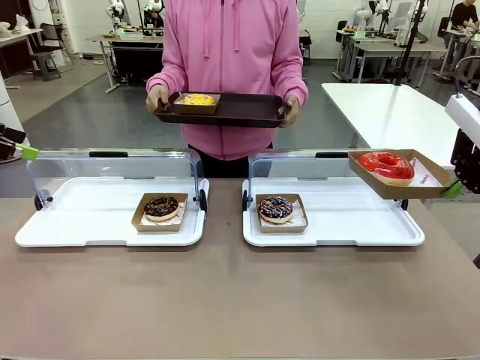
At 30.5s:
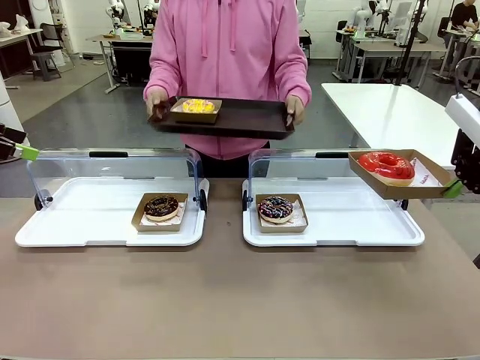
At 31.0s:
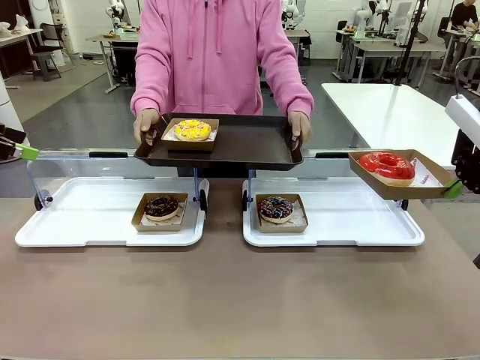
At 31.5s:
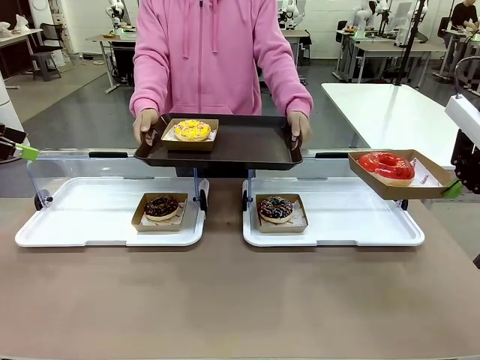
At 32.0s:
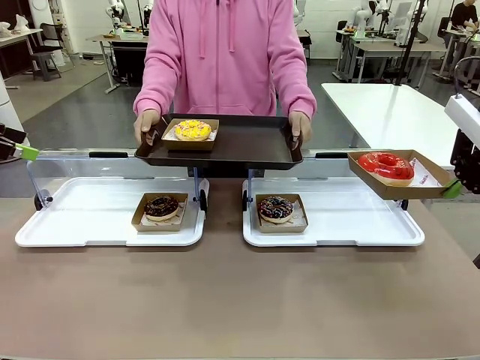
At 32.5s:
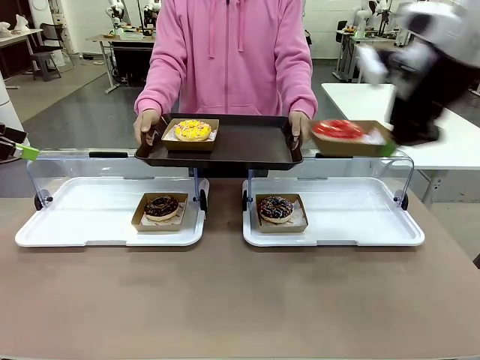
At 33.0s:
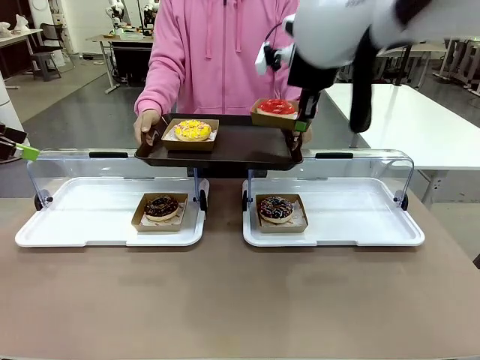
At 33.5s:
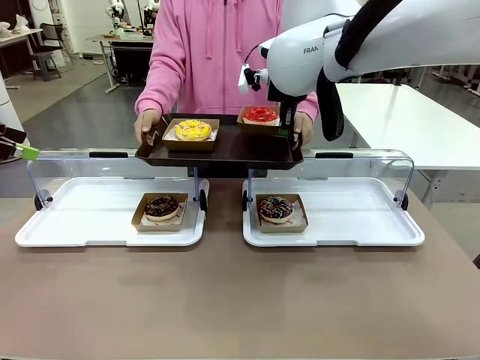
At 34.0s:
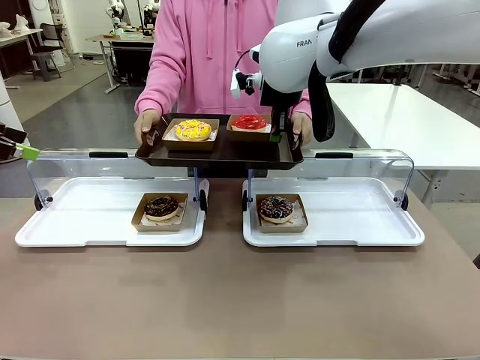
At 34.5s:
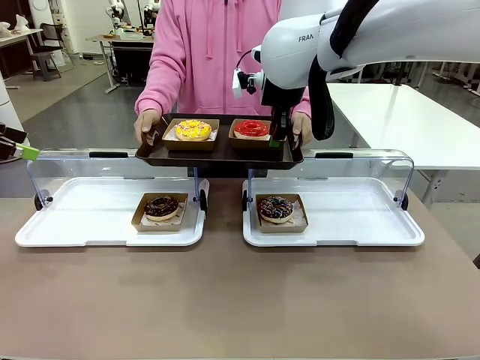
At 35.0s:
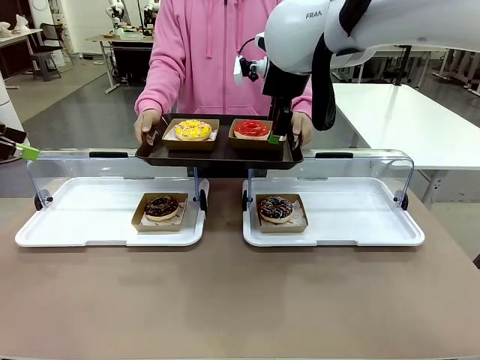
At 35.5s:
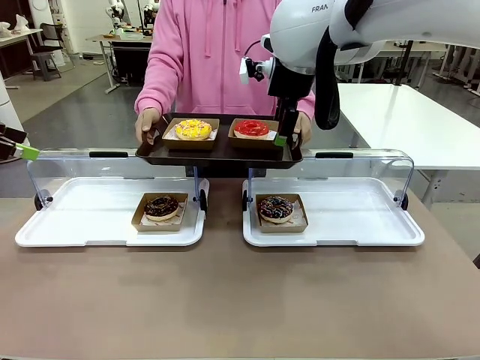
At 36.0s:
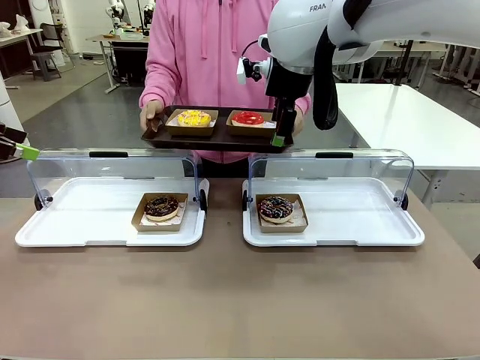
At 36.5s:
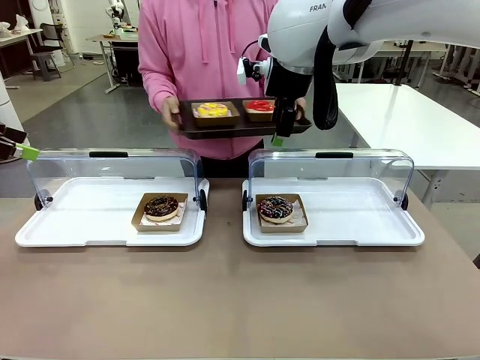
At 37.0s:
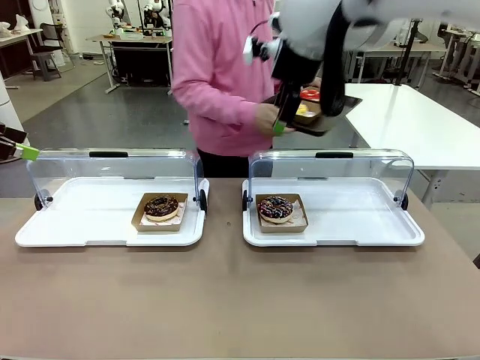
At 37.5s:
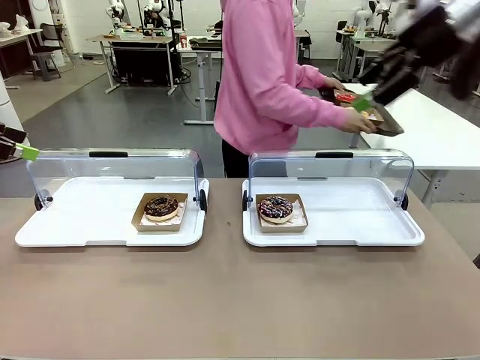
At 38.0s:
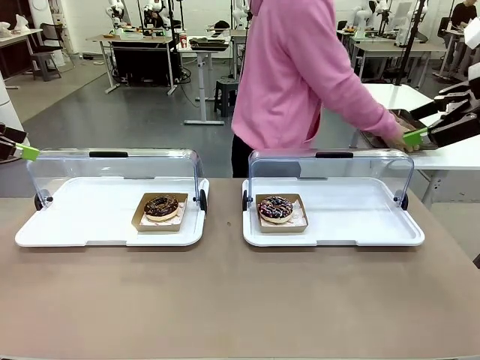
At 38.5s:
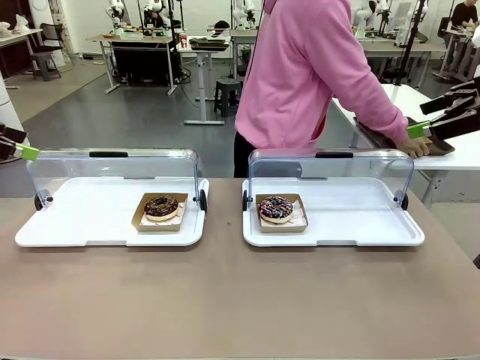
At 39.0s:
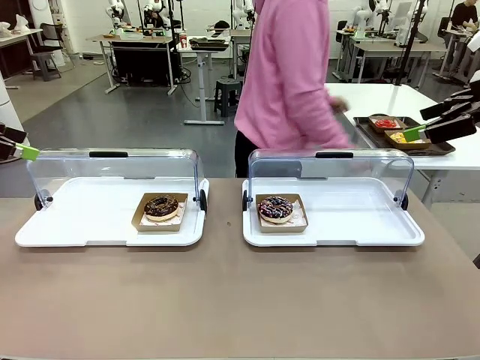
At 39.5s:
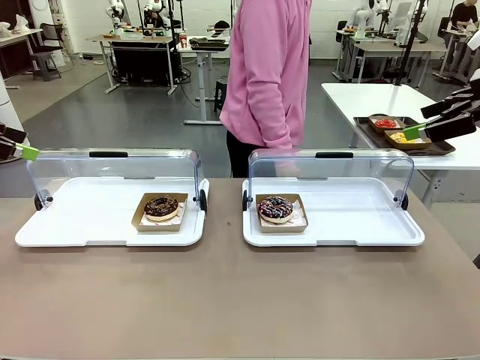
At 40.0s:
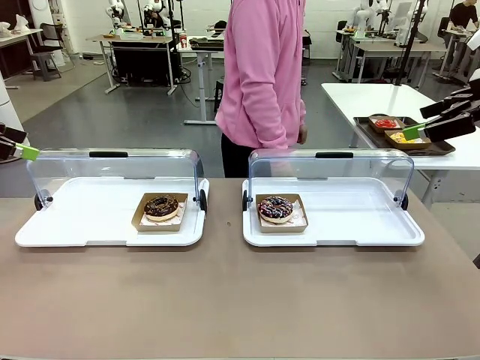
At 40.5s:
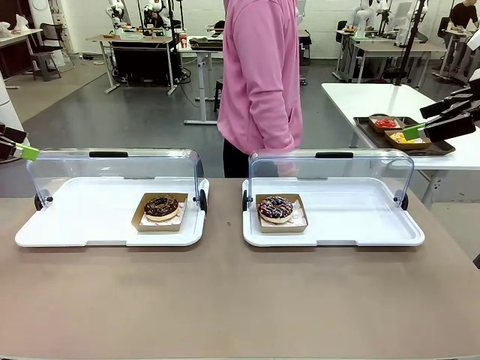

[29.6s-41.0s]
Task: Provide the desired donut to the person.
Robot: Place the picked Paper togo box onto the Handle tray extended by the person.
Person: Place the tray in the middle of the human table.

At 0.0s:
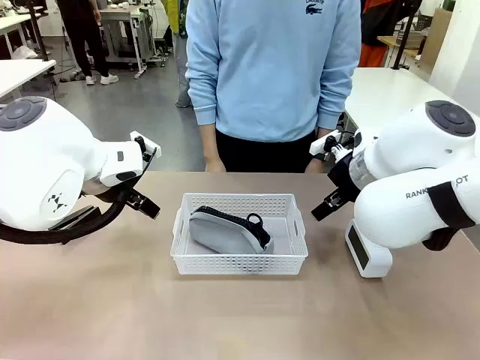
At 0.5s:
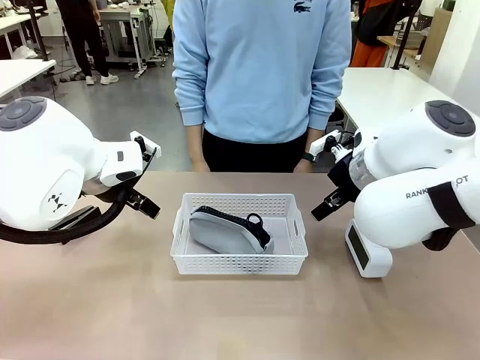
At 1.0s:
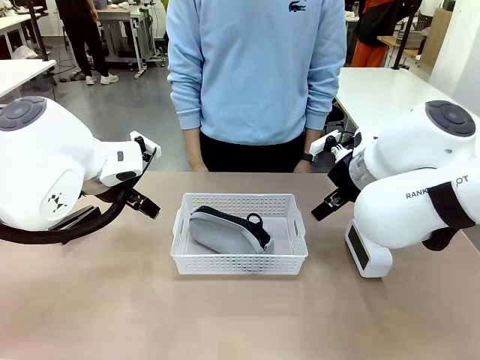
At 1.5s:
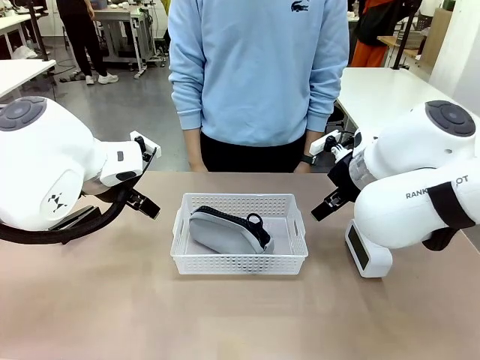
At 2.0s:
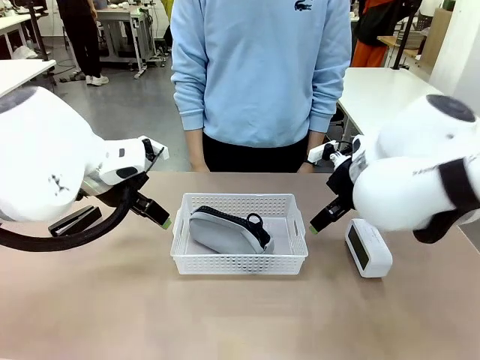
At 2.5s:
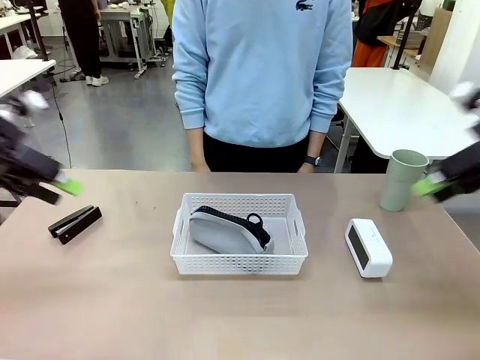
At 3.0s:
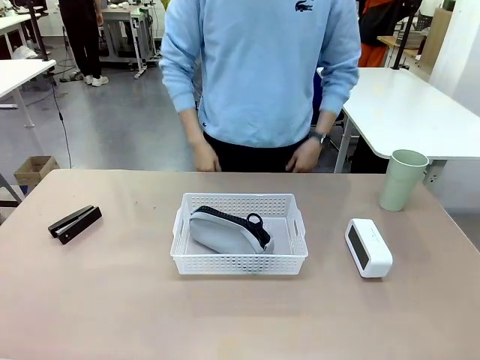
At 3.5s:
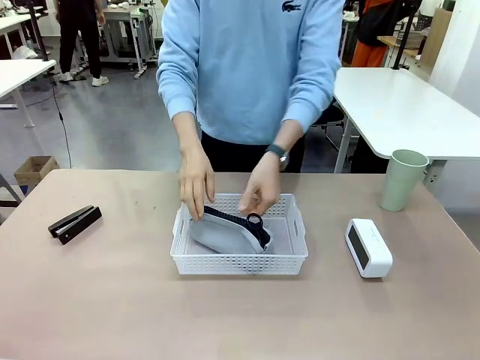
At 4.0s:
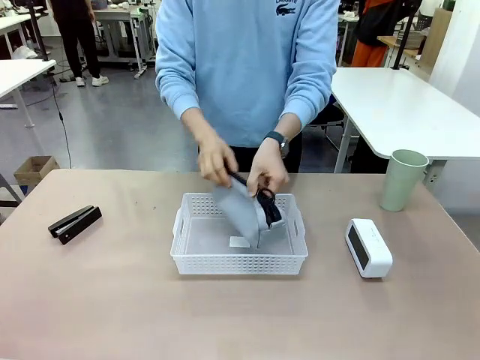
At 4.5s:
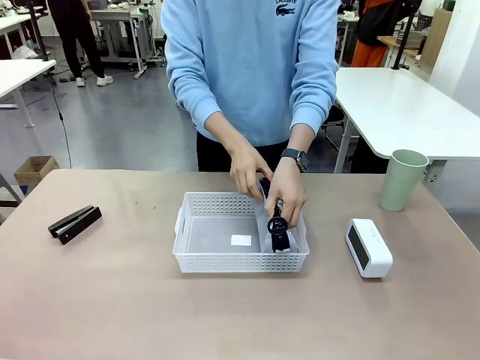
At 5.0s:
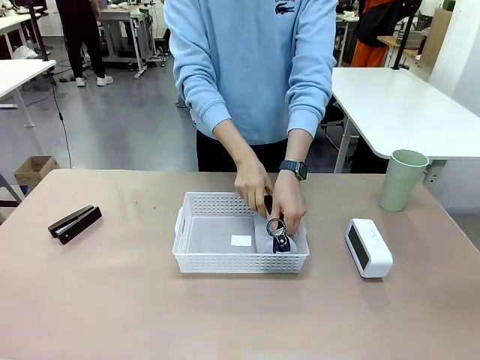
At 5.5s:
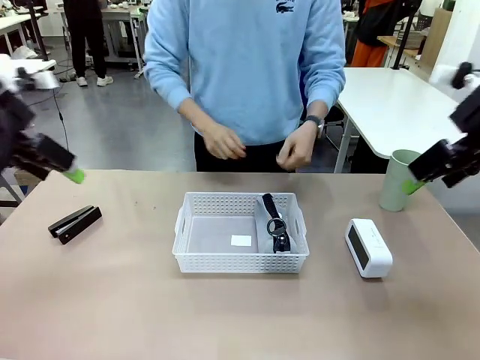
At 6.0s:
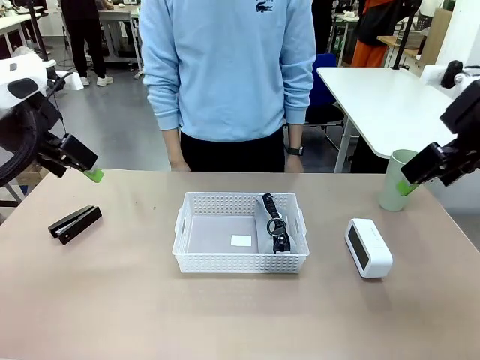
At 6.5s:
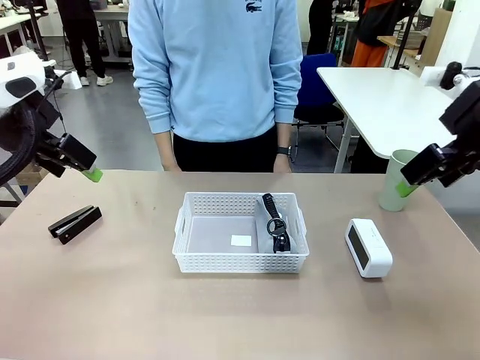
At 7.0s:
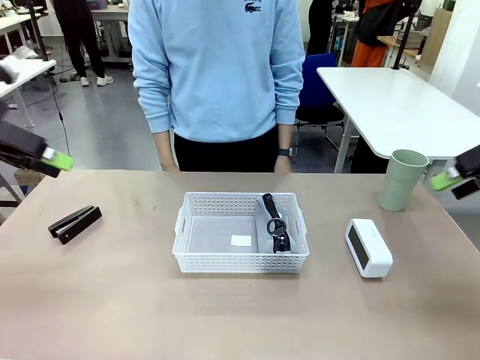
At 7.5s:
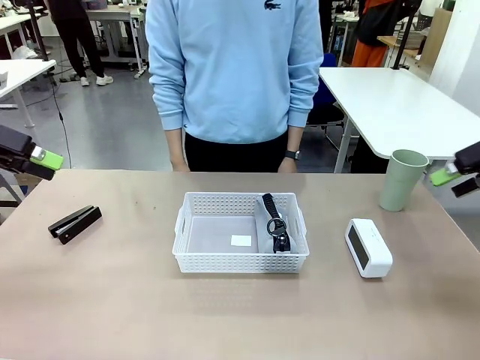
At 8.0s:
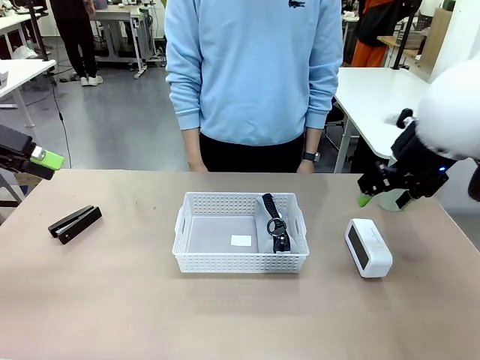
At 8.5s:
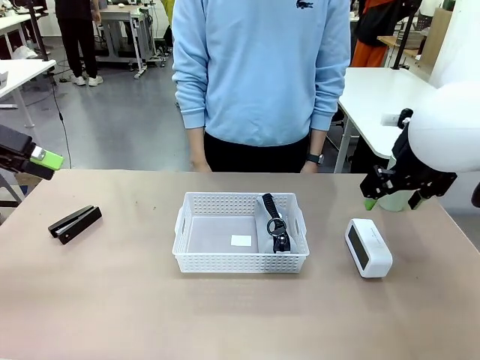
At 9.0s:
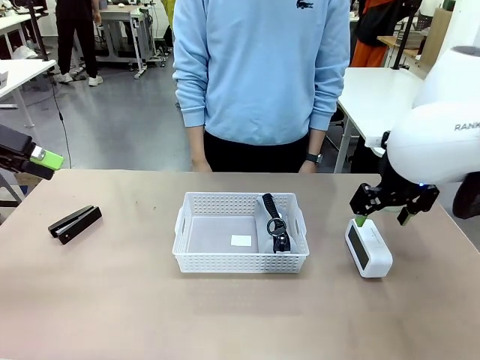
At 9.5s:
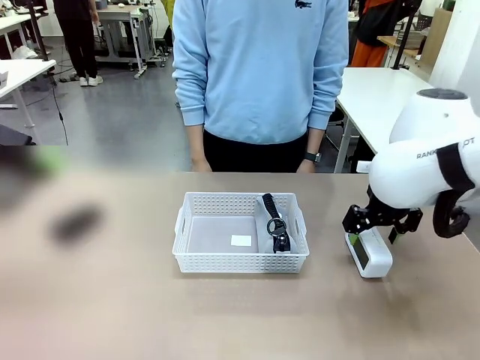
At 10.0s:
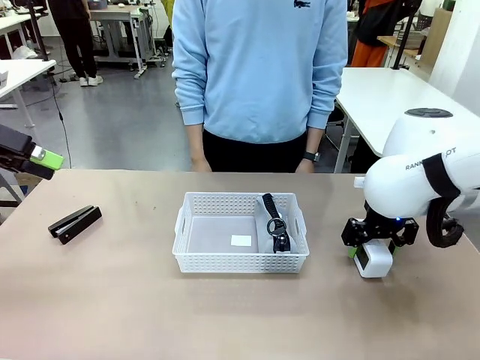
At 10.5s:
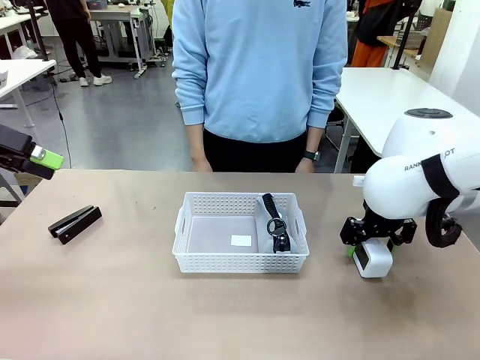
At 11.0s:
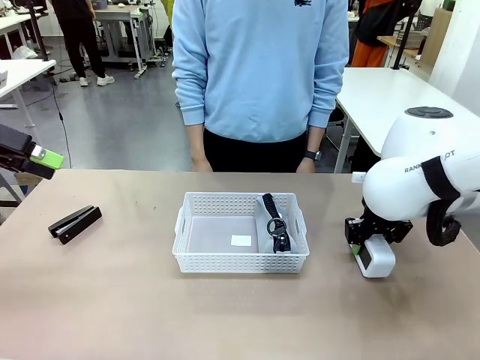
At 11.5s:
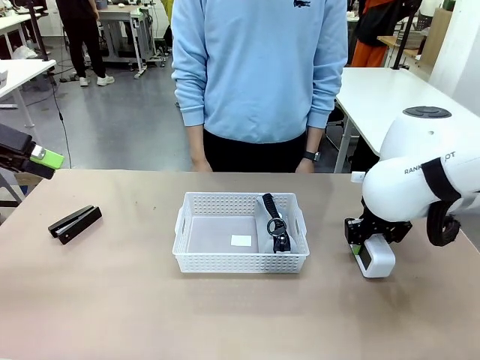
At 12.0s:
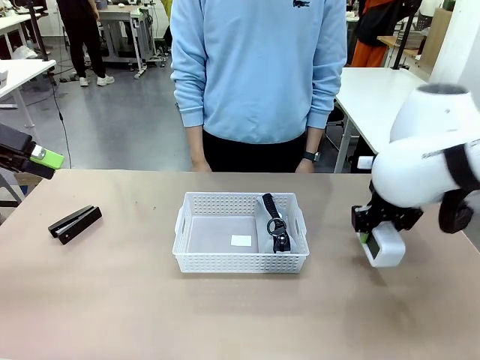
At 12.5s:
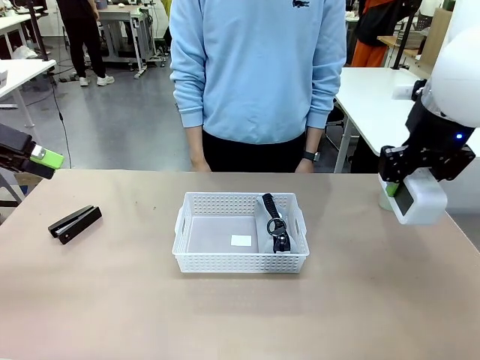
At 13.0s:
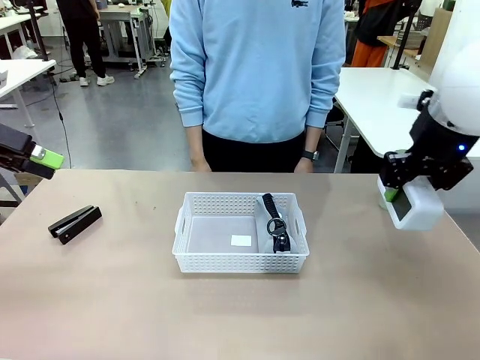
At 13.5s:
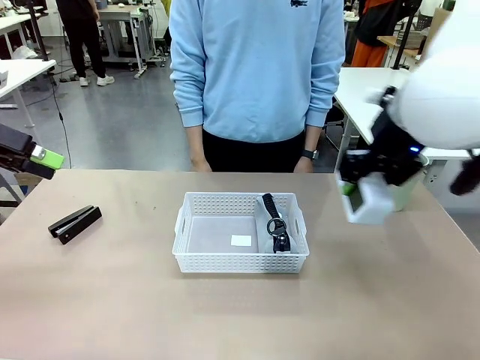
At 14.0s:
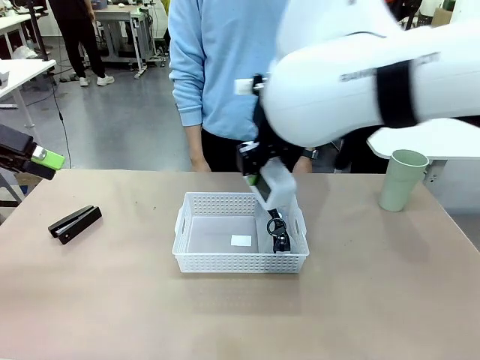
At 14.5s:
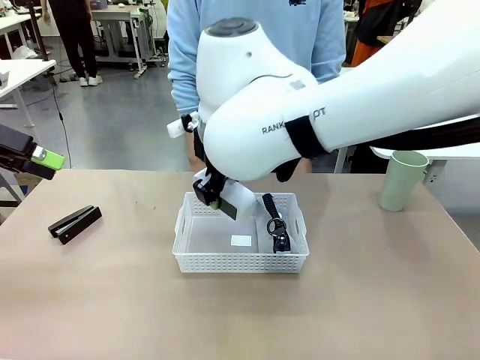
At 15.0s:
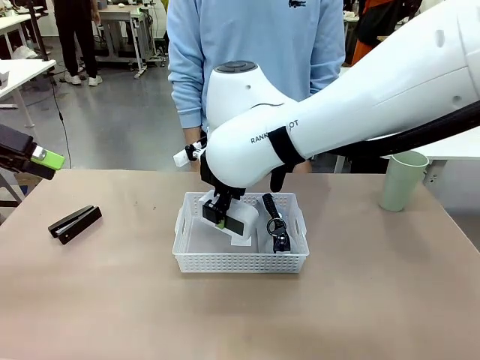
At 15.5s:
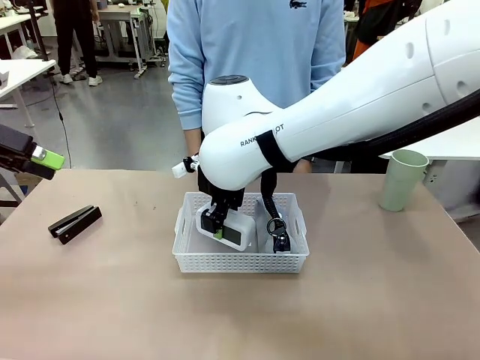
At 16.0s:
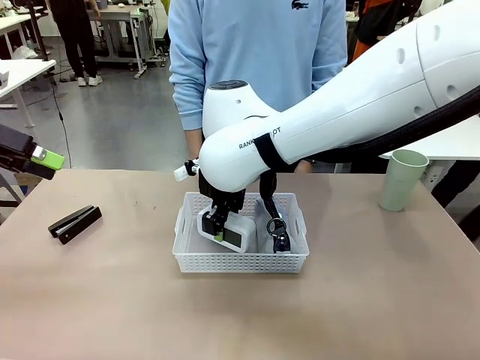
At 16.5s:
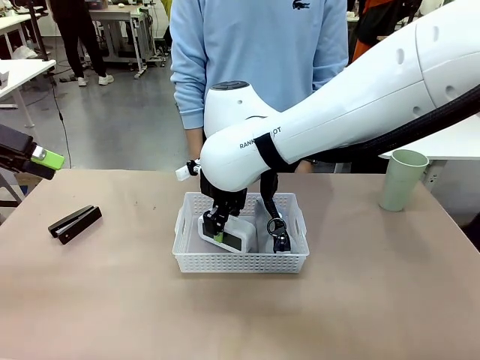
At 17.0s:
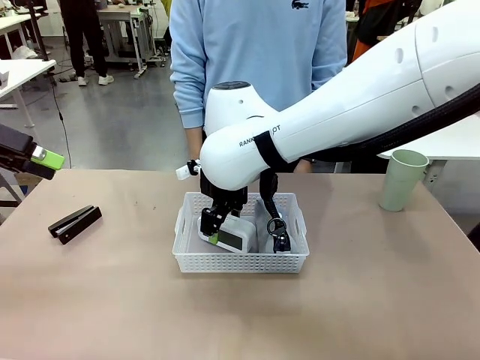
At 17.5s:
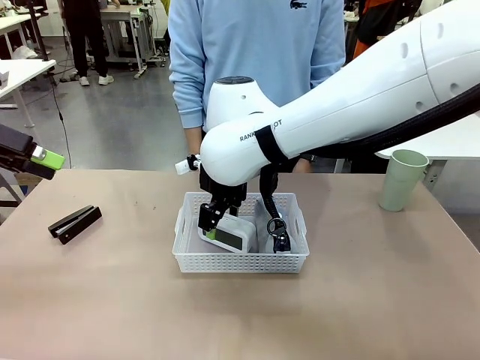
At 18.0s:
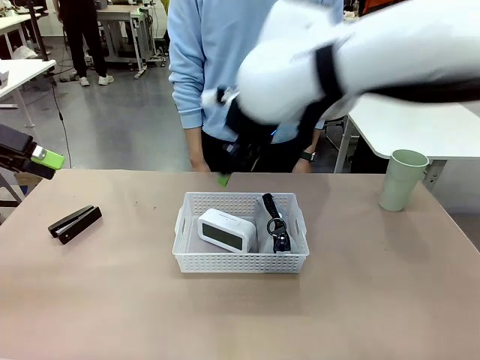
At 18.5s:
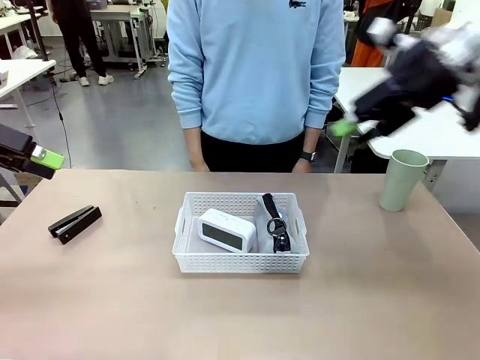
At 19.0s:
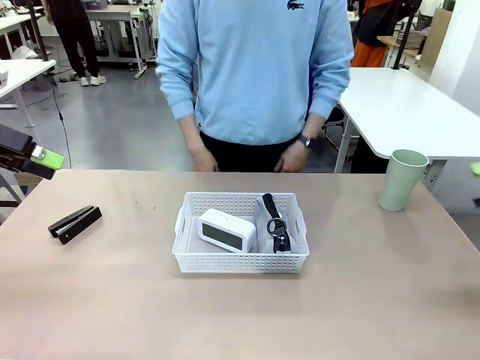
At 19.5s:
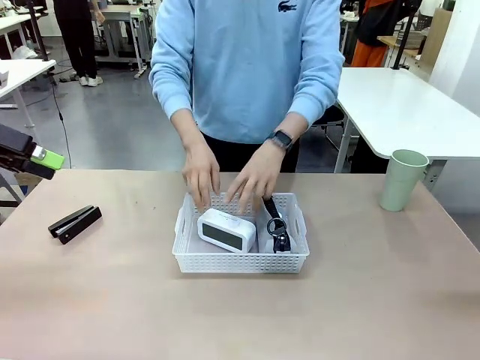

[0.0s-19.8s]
Task: Efficiently arrange items inside the basket to fit them all.
Robot: Pick up the Digital clock and place it inside the Organizing basket.
Person: Repositions the pencil case. Repositions the digital clock.
